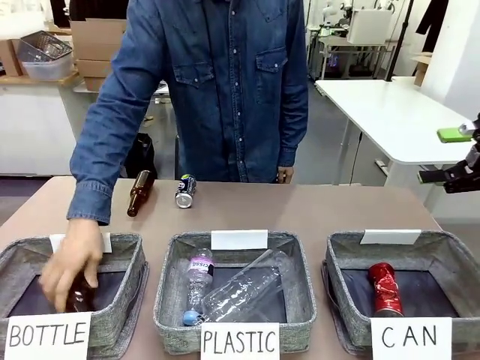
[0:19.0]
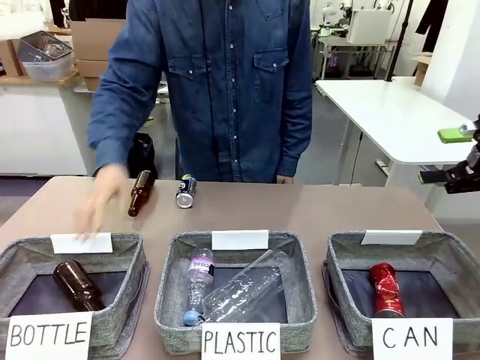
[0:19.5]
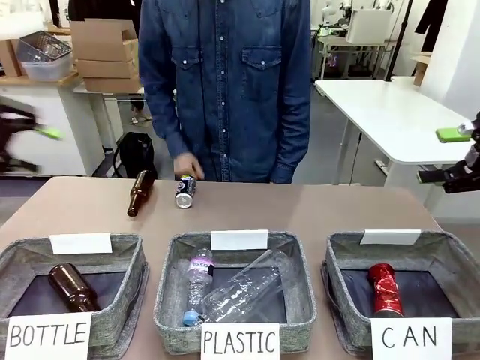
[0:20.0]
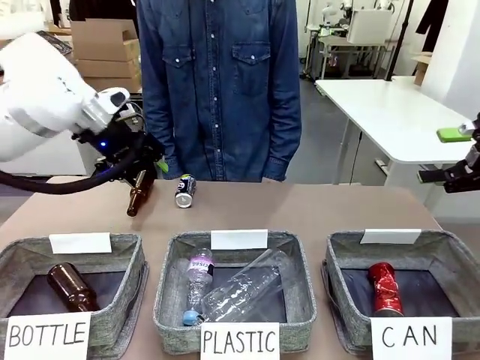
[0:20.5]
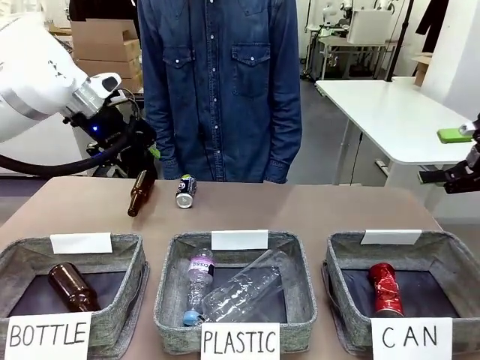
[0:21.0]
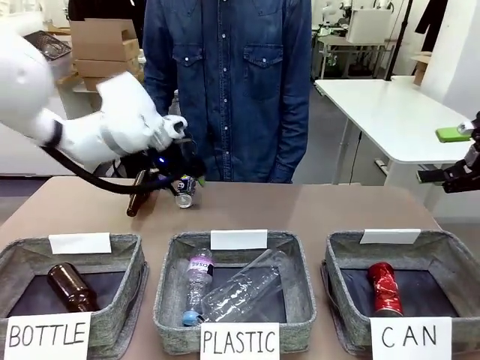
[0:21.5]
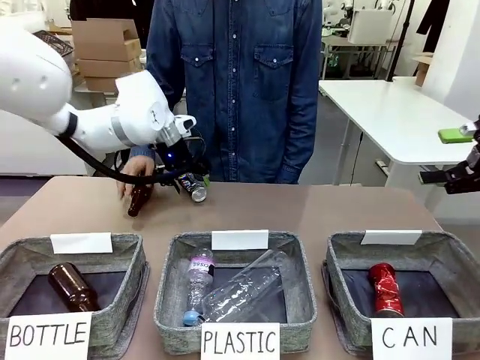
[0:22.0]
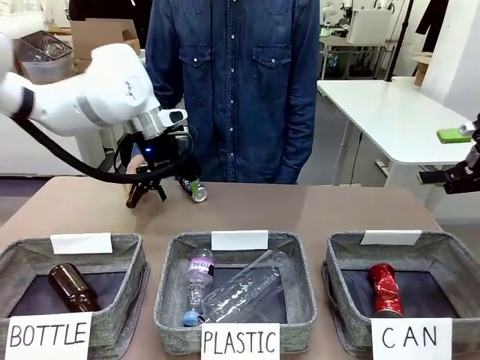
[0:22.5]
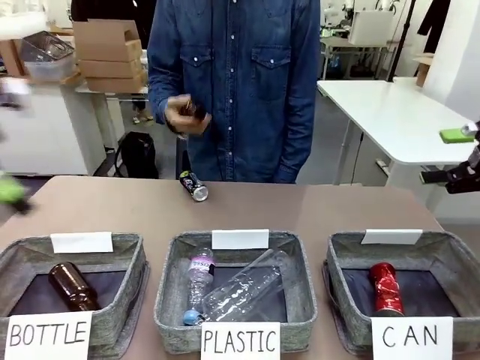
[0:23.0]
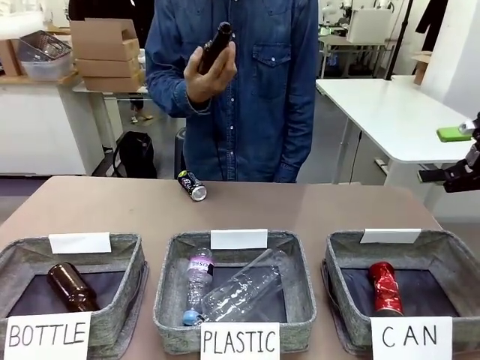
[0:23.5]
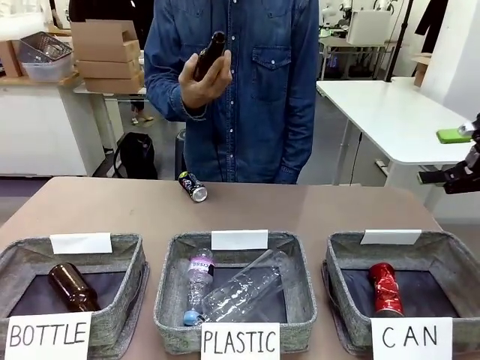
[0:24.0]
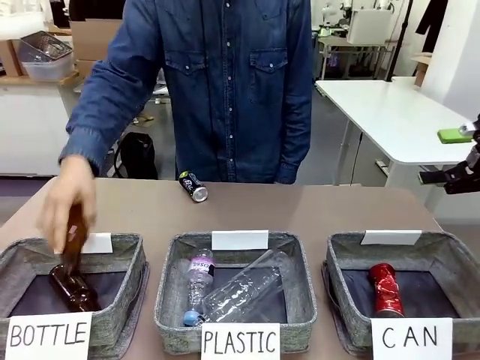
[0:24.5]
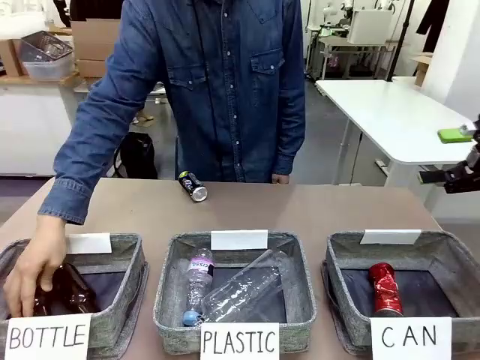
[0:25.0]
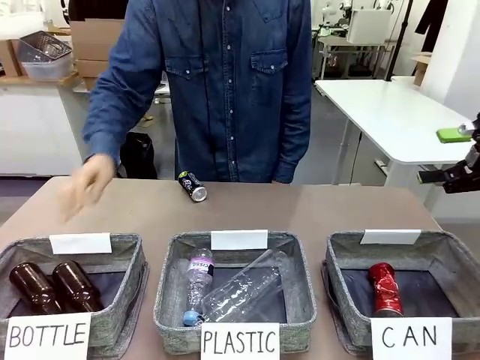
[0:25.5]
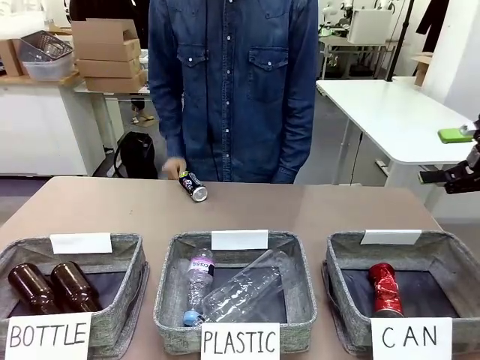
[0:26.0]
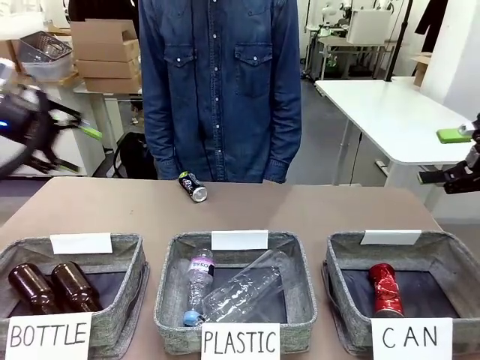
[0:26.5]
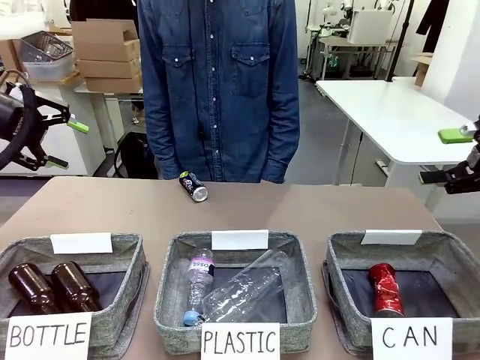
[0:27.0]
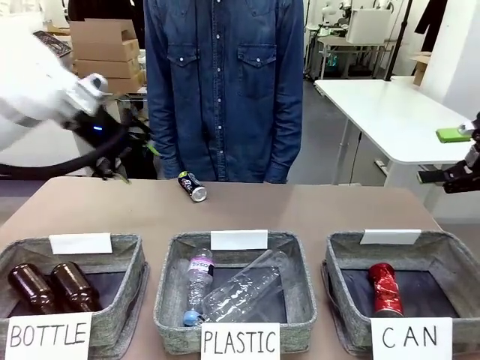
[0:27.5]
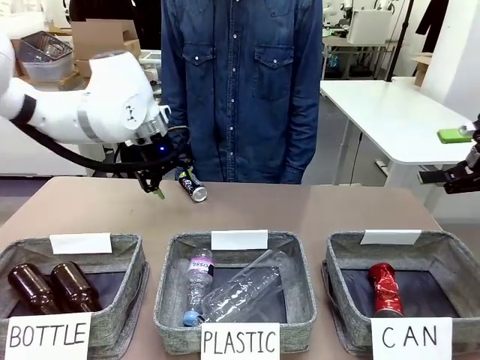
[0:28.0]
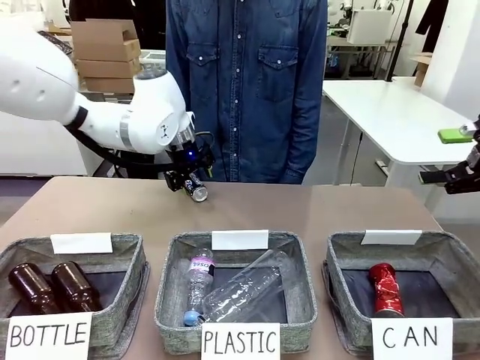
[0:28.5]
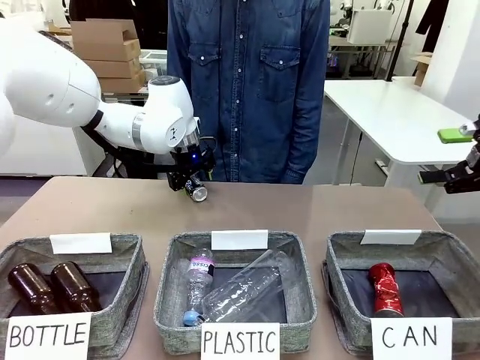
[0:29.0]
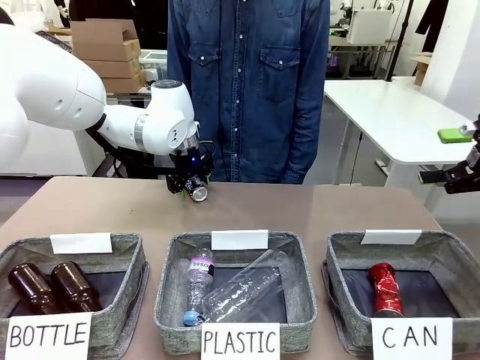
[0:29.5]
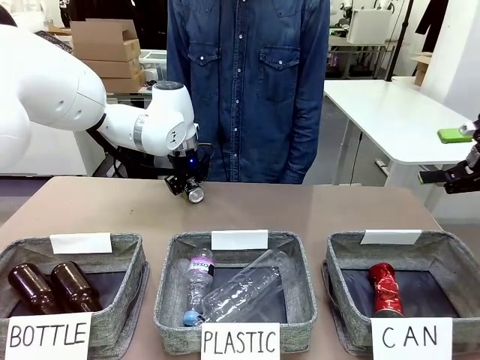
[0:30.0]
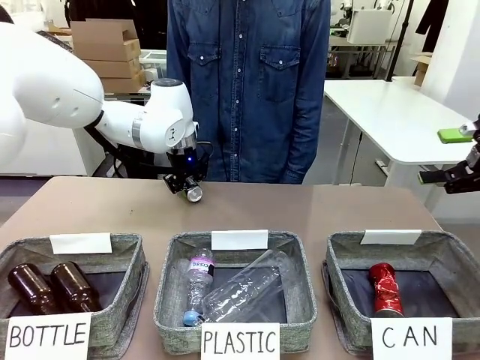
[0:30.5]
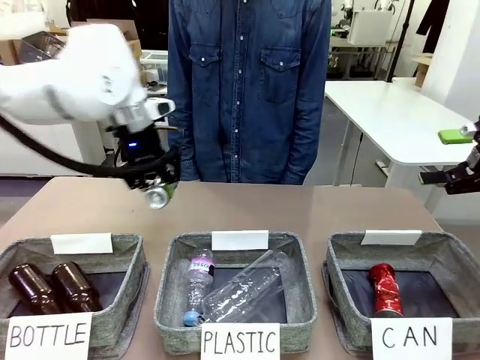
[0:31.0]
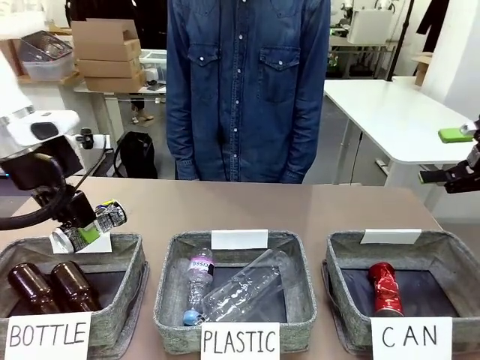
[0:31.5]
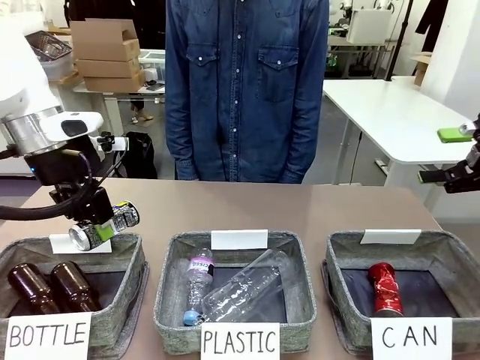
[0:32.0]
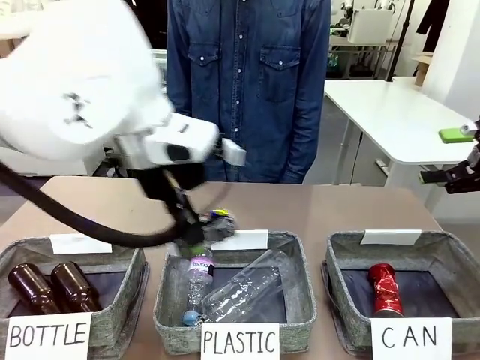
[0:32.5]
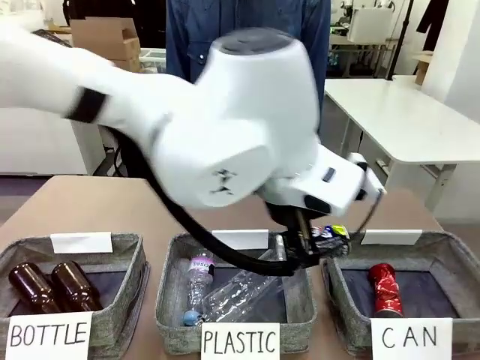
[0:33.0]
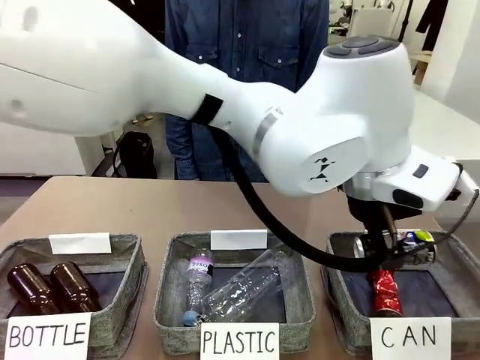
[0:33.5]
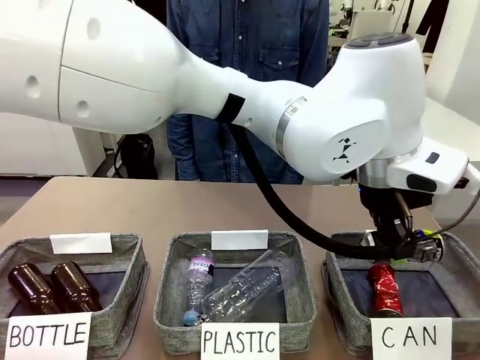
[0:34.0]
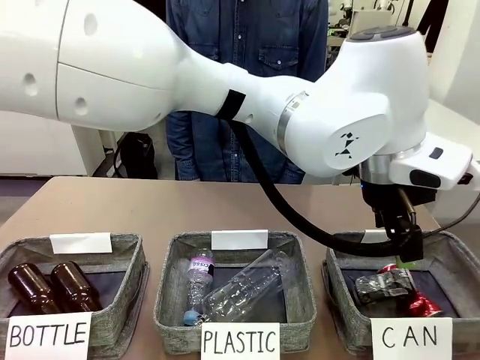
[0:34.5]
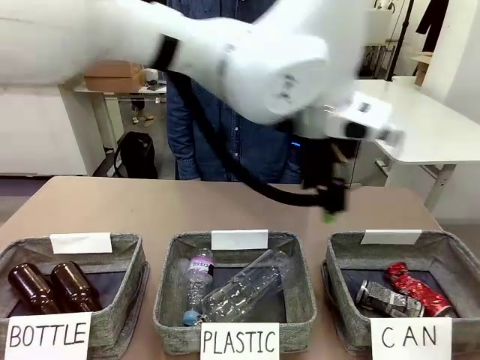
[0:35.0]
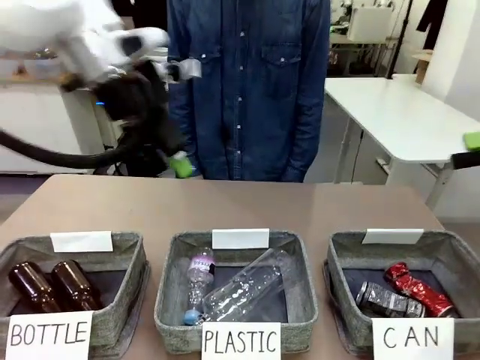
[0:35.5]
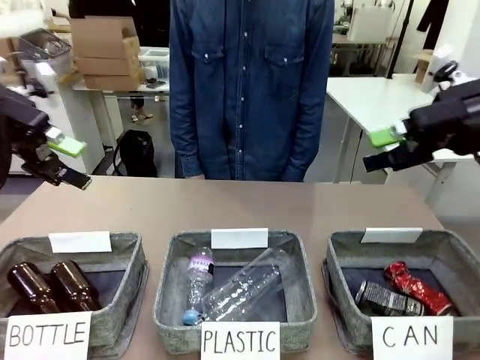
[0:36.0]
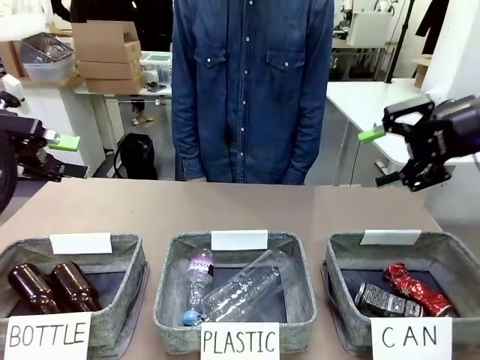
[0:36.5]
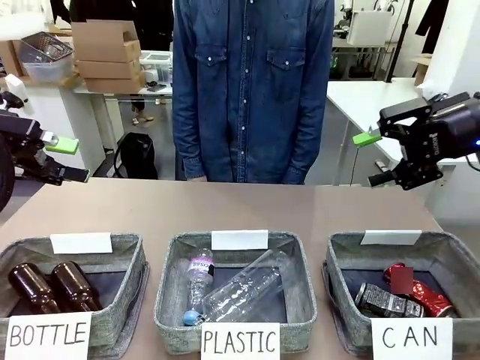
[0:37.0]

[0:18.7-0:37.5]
Task: Sort the can waste into the basket.
Robot: Pick up the can waste from the table and place it in the right Fabric basket.
Person: The human picks up one piece of trash that is not a can and places the trash into the appropriate organizing basket.
